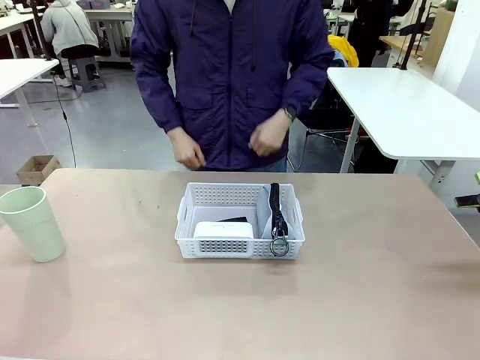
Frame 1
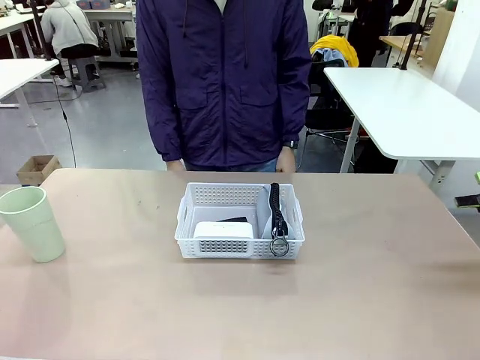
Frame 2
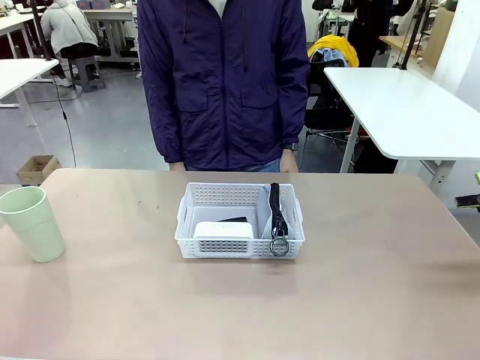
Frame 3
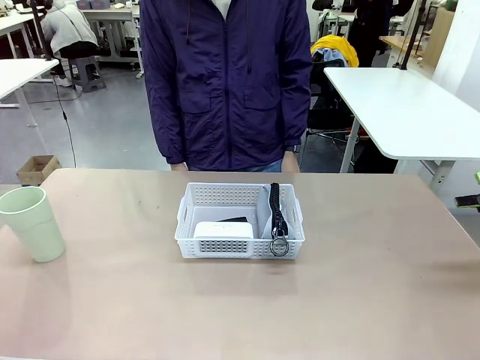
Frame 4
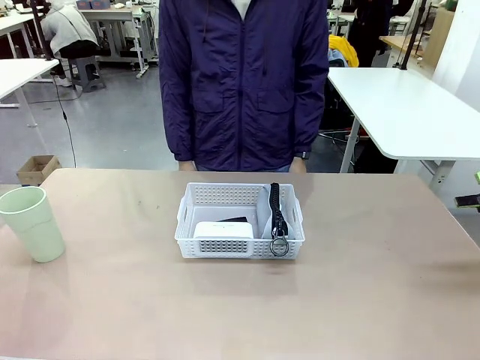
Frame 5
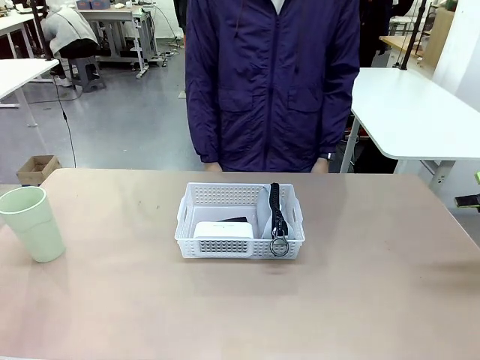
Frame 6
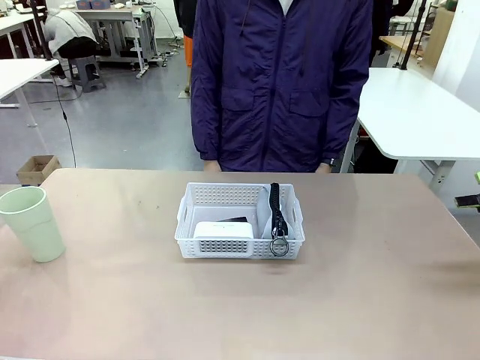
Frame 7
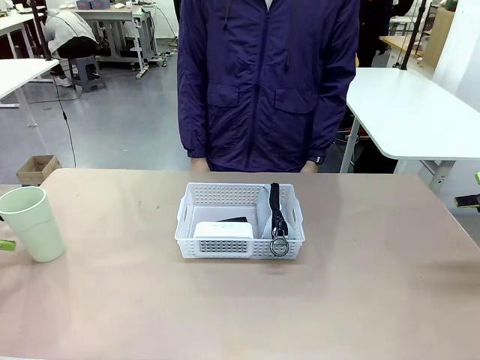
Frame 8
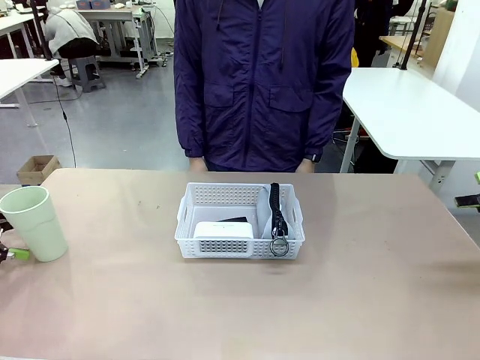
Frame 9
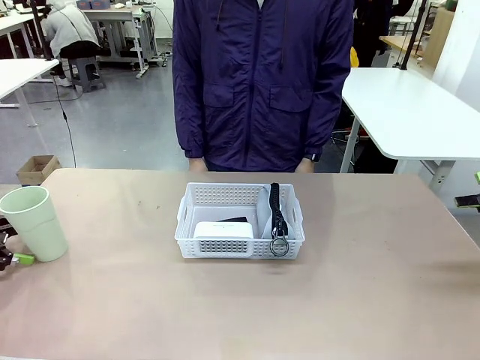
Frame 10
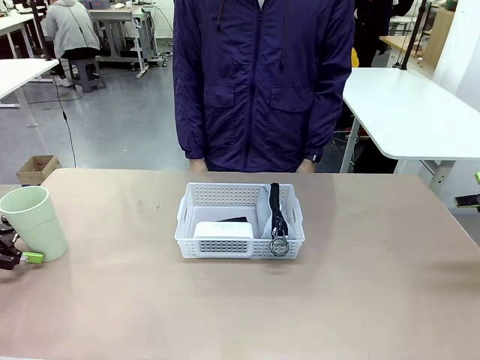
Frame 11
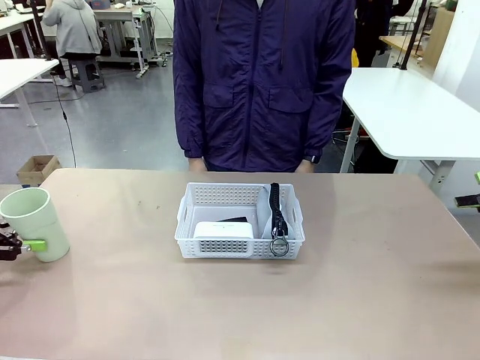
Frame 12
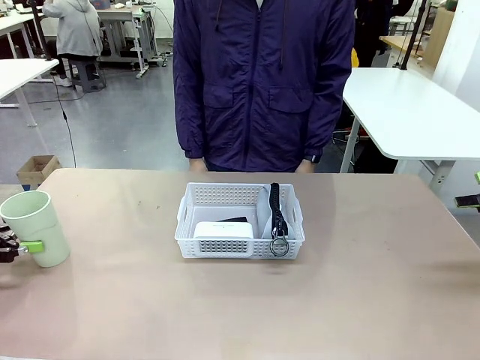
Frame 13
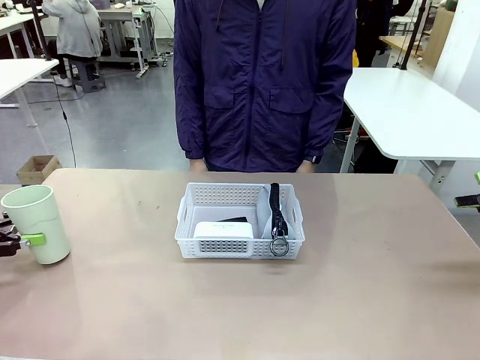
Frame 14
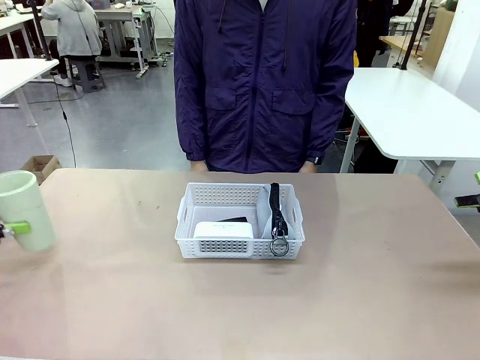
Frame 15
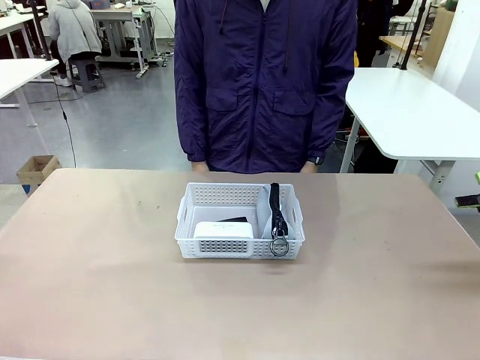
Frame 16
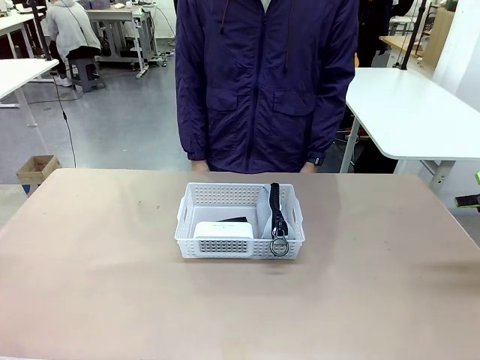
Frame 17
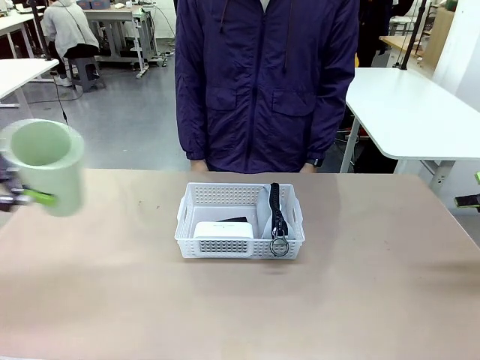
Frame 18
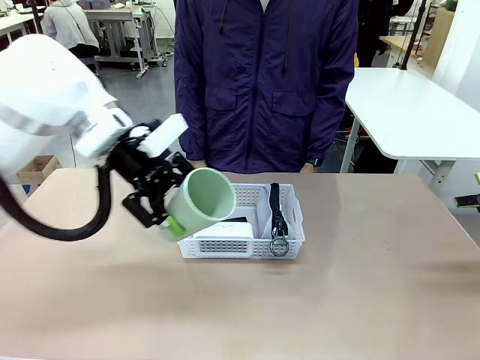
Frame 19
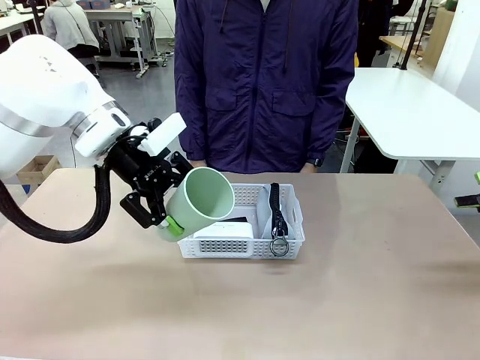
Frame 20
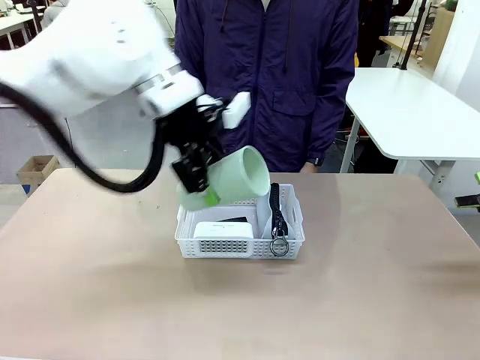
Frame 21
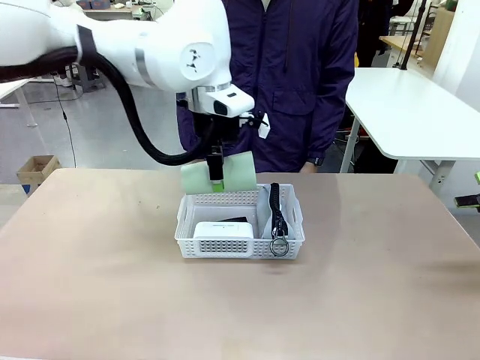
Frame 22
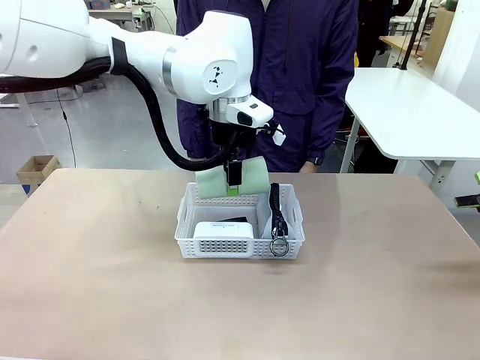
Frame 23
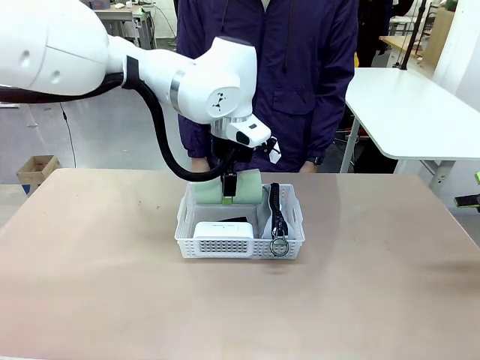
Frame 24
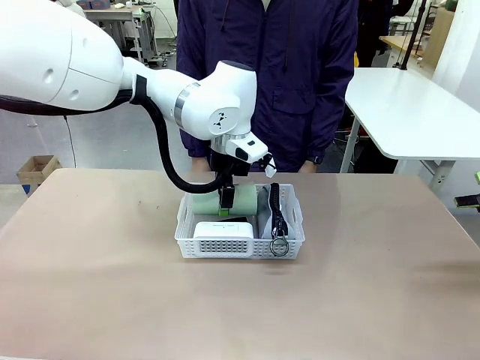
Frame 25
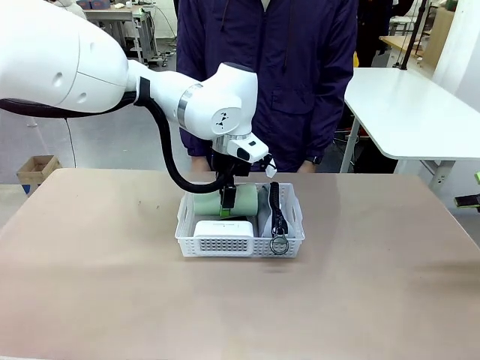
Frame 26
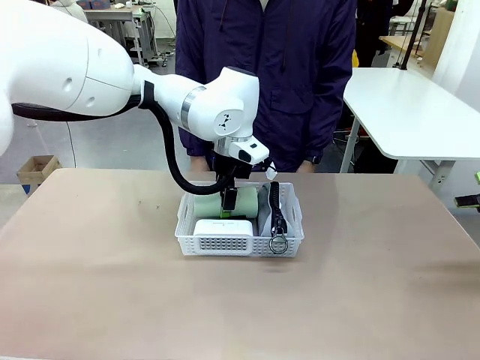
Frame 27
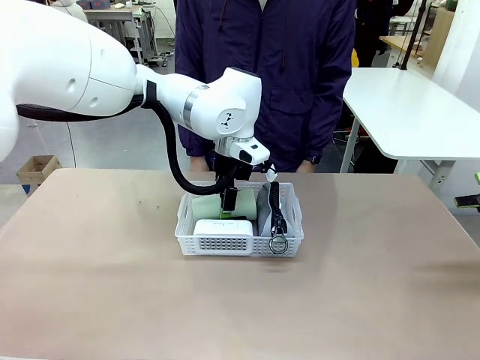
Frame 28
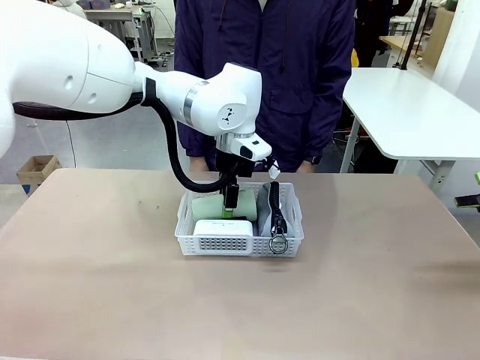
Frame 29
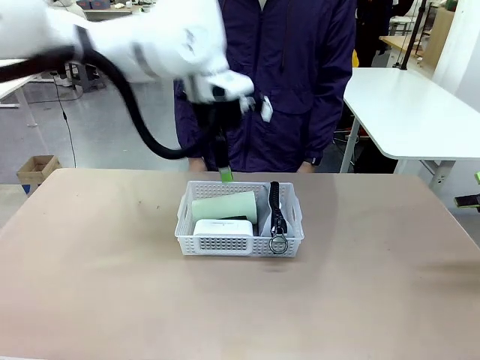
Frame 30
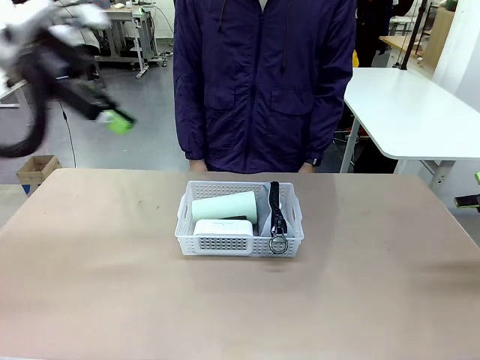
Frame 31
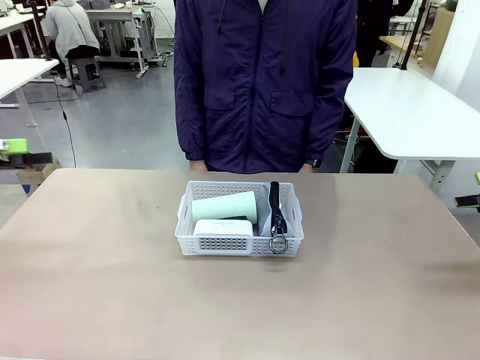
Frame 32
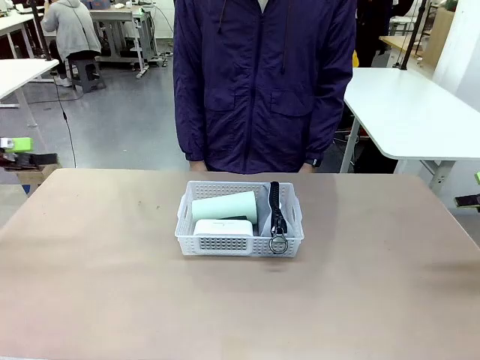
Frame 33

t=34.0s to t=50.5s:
Task: Efficiently arrange items inside the basket to fit them all.
Robot: Pick up the Reusable plastic cup and place it inside the Organizing basket.
Person: Repositions the stapler.

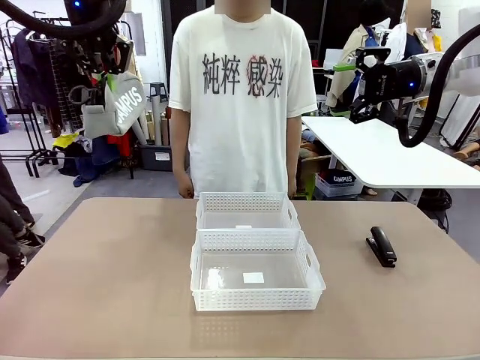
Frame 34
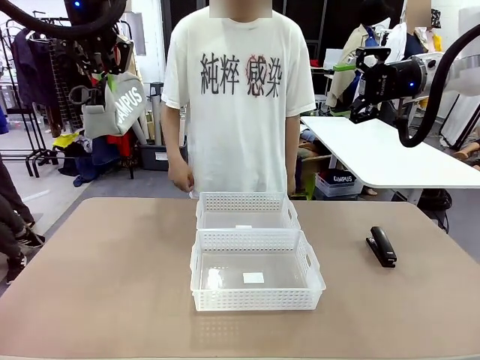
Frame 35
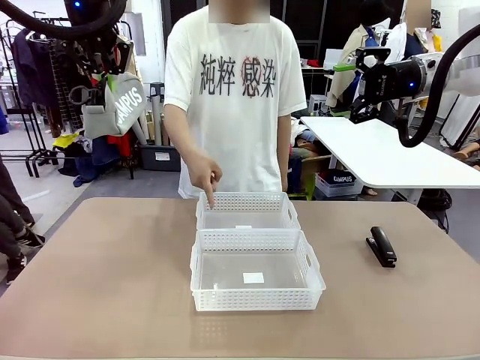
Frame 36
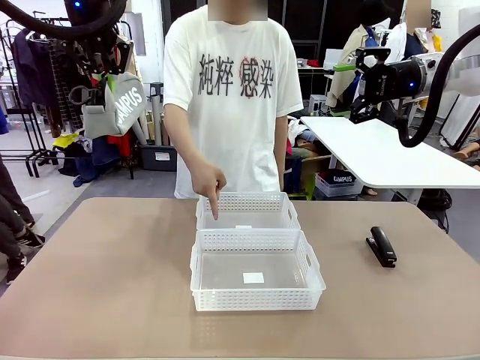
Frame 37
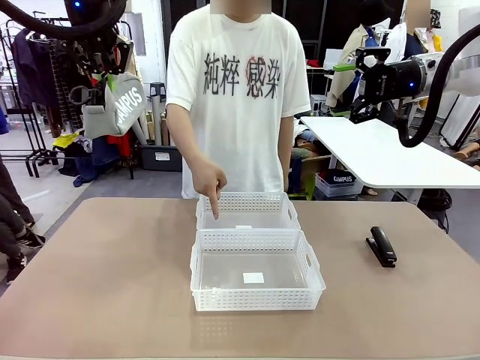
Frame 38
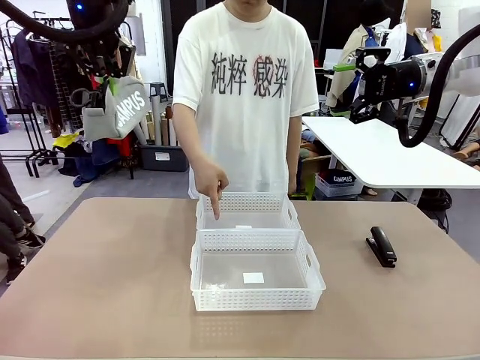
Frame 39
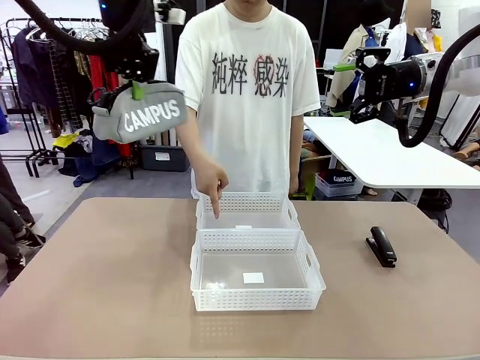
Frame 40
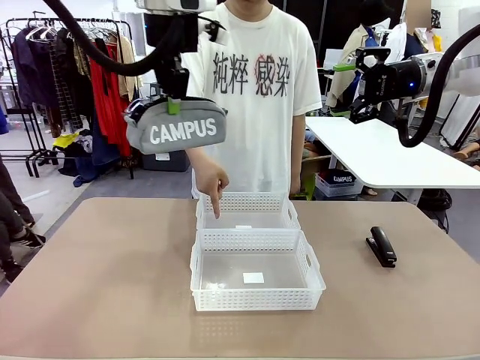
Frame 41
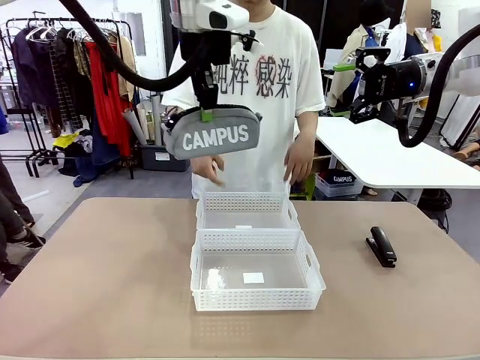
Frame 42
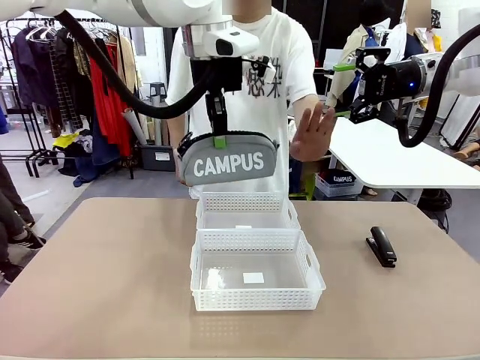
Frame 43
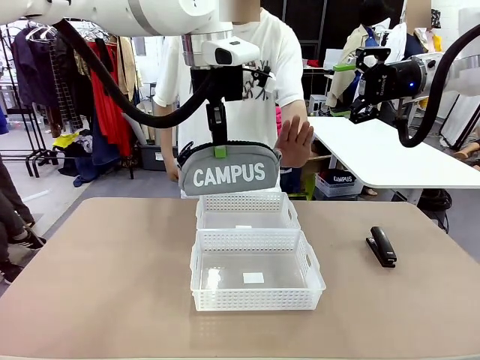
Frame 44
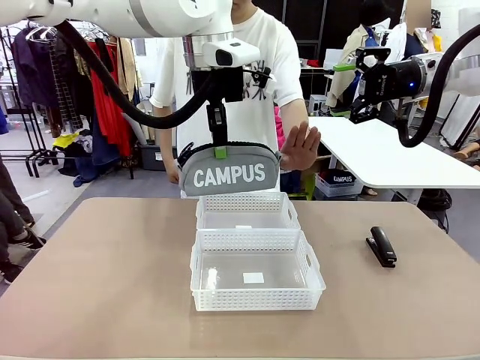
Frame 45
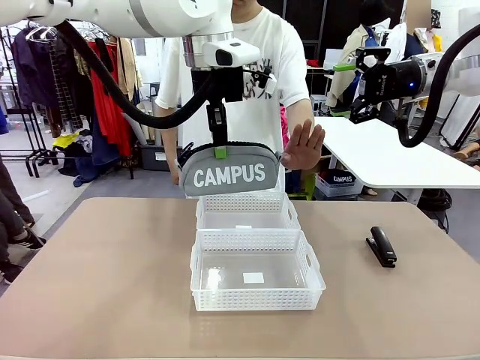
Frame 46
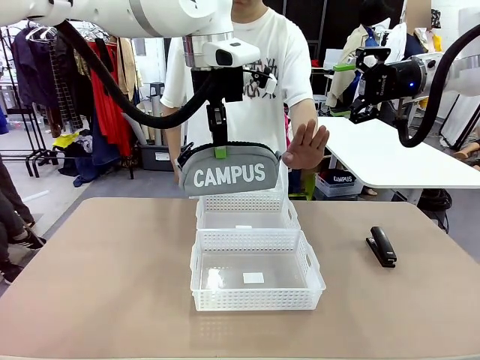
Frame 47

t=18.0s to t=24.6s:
Task: Distribute items into two baskets.
Robot: Move the picked Pencil pouch towards the Organizing basket indicated by the person, stopping as directed.
Person: Sends a stop gesture before the robot places the pencil case into the basket.
